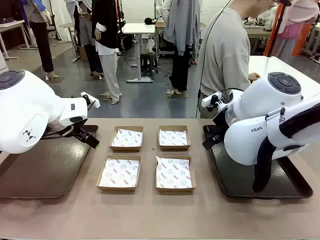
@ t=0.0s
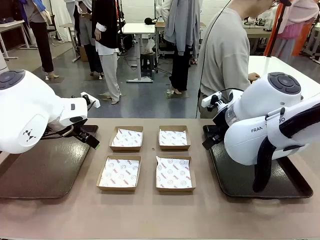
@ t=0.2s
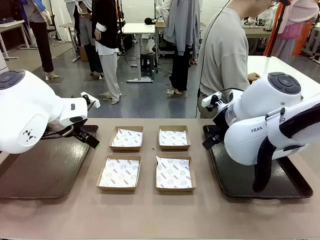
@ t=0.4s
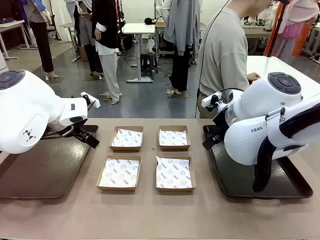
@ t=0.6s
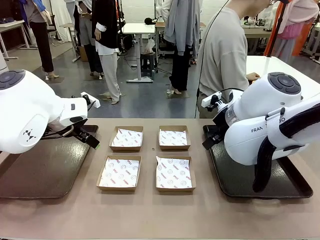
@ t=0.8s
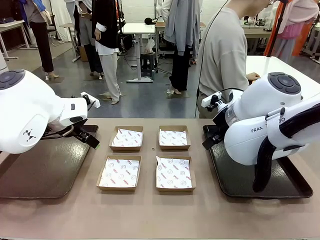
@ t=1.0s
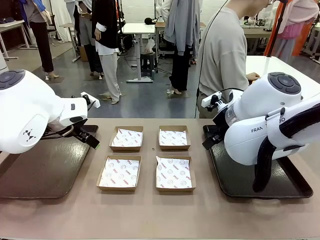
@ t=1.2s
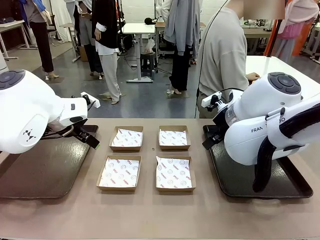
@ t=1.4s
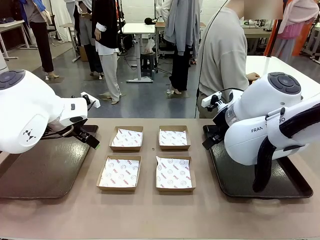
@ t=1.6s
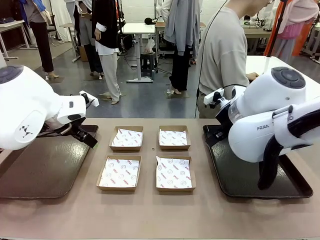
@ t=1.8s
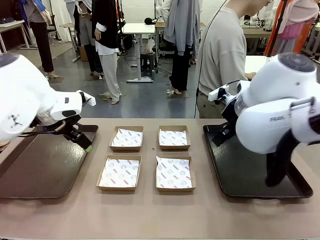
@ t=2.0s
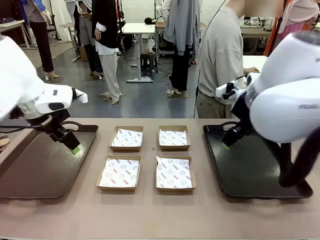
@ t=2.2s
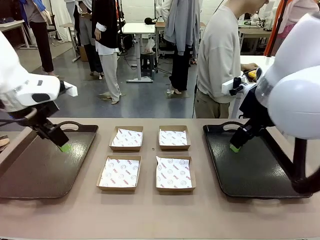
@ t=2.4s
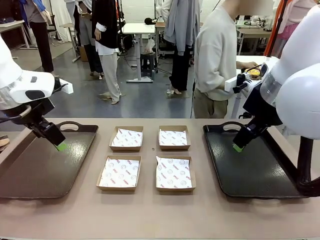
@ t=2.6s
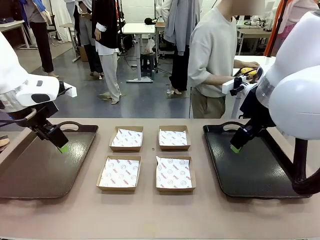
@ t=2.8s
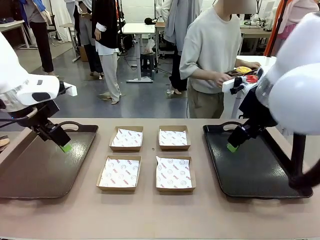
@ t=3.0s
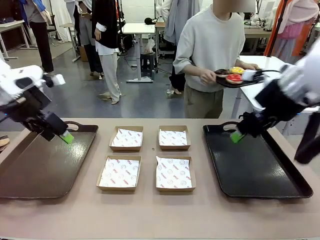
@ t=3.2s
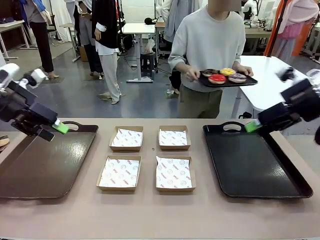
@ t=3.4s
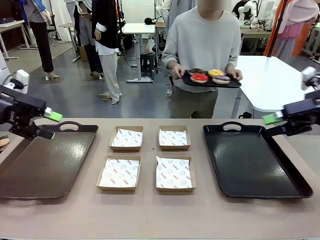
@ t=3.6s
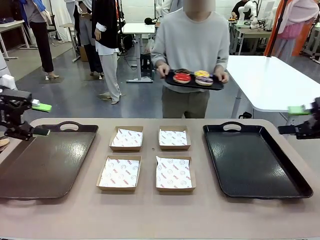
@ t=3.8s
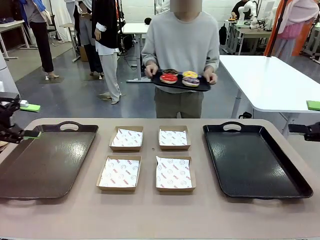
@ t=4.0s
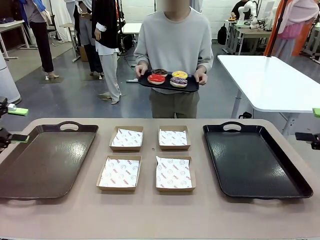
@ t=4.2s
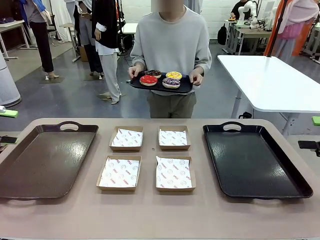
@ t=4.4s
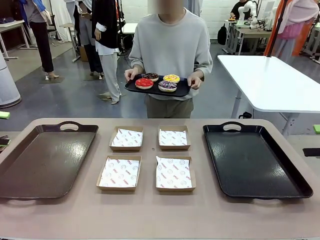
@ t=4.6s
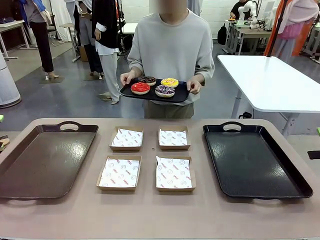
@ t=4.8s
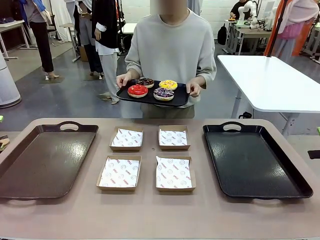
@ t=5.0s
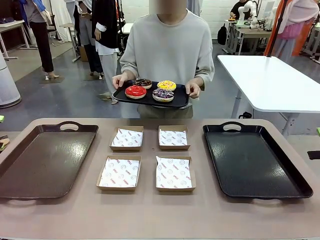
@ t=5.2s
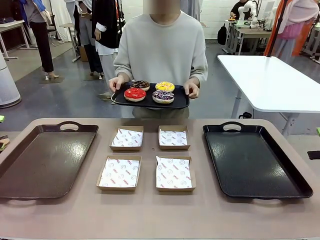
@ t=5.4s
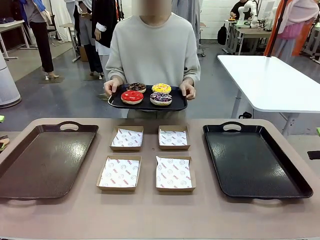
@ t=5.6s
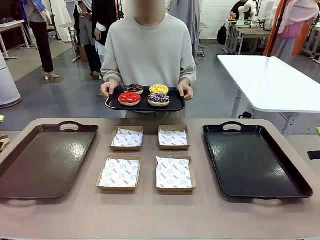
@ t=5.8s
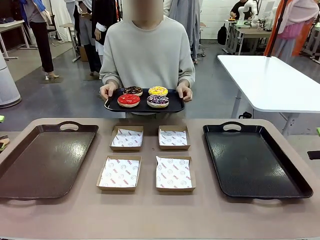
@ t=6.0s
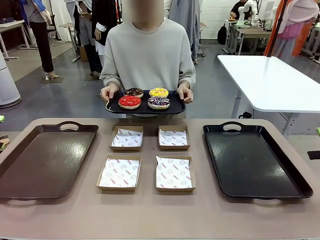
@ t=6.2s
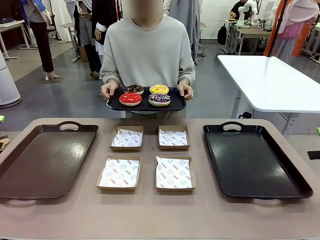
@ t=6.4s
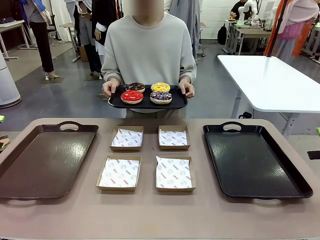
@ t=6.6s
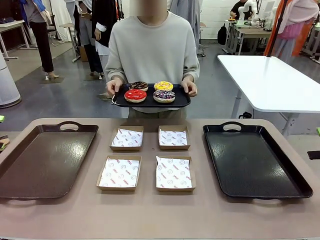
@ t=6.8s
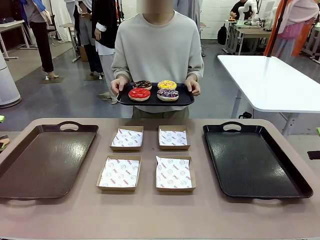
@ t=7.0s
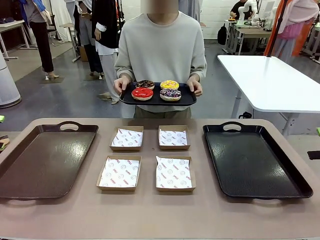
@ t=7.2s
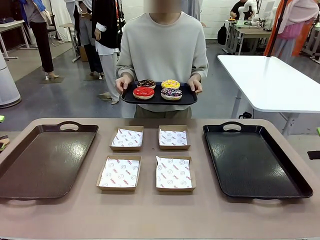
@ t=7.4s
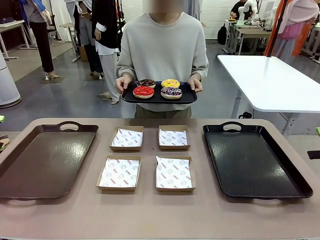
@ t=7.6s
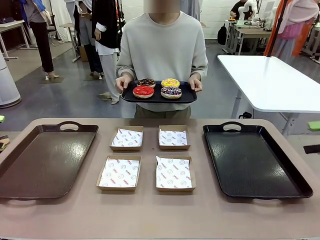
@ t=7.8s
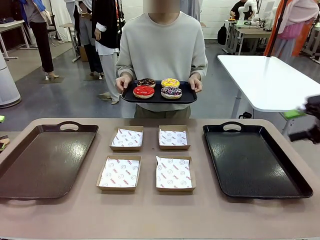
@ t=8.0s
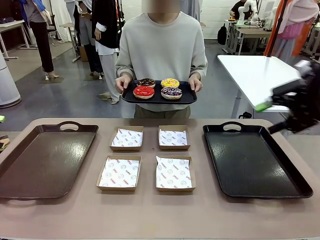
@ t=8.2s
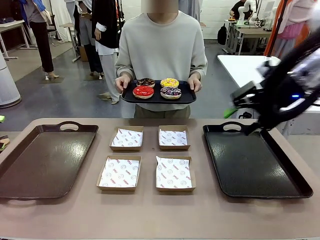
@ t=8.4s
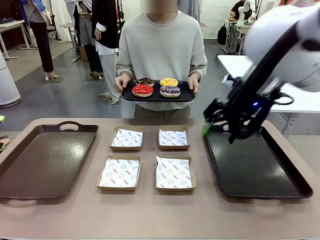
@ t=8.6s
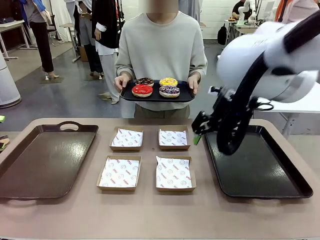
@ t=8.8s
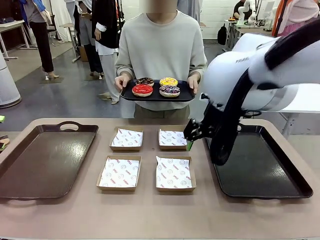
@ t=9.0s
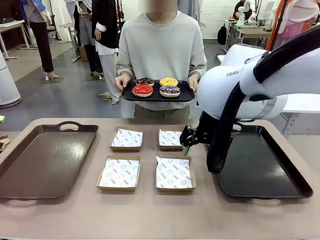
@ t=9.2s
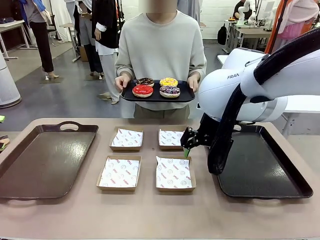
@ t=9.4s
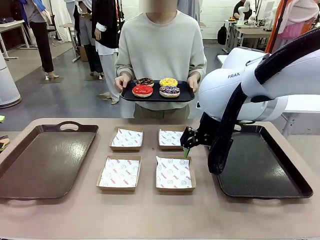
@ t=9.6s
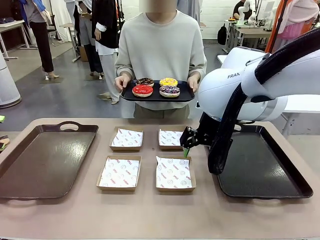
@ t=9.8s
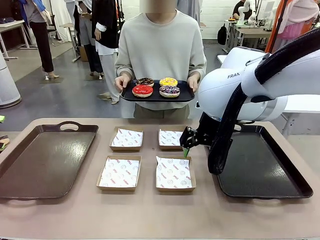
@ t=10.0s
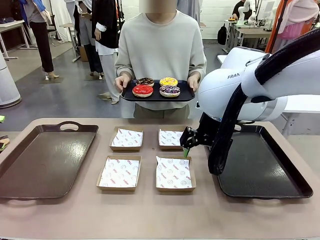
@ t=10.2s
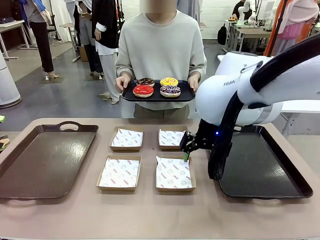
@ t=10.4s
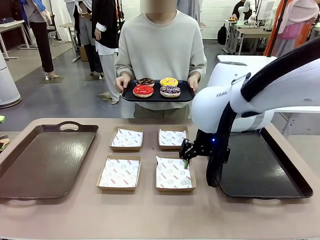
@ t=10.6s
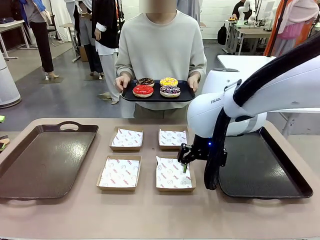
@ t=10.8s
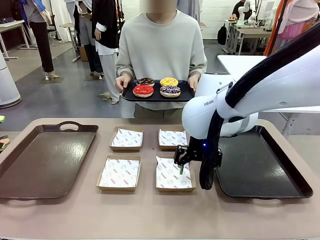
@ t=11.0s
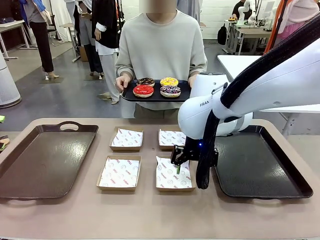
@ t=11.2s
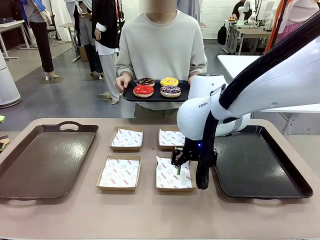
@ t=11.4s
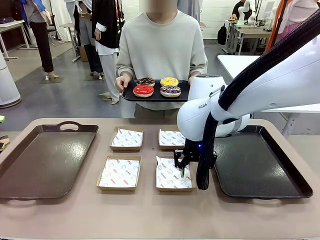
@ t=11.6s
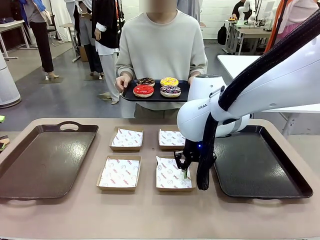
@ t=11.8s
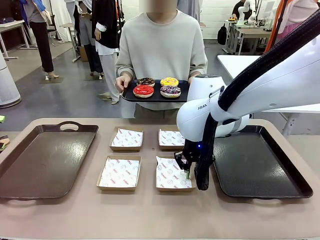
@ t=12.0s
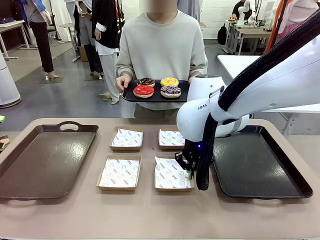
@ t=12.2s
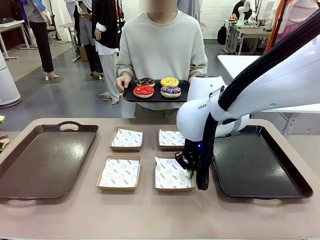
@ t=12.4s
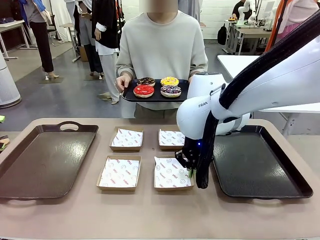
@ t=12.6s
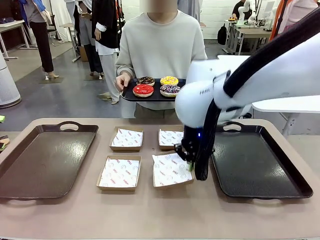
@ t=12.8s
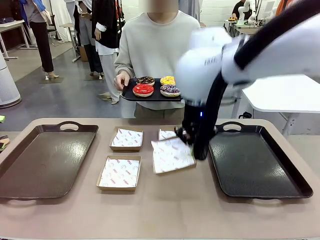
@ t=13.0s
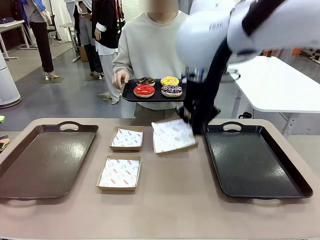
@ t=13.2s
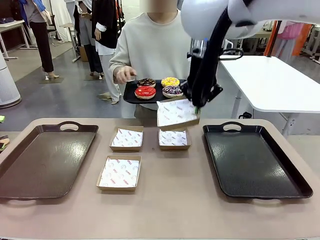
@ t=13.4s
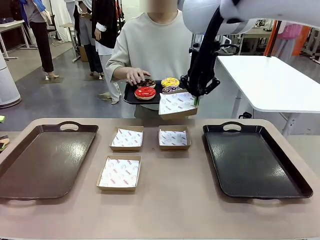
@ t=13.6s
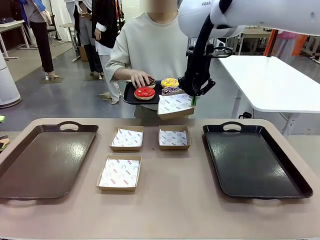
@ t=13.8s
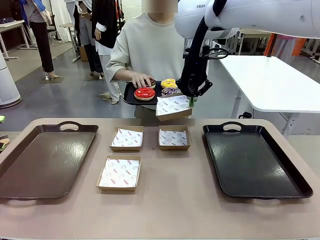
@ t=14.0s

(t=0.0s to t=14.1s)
Task: Individually package the donuts and arrange them on the tray.
Robot: Pick up one Paper togo box.
Person: Stand in front of the robot table holding the tray containing the donuts.
